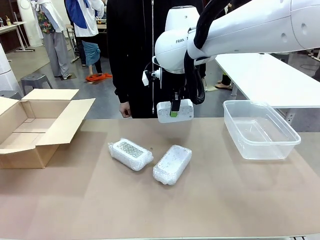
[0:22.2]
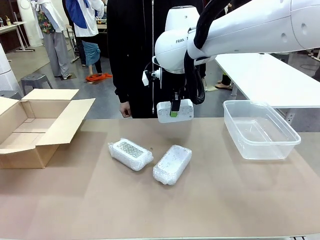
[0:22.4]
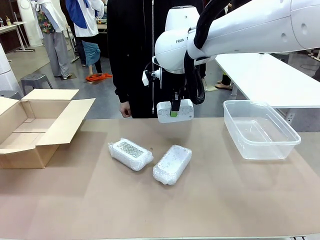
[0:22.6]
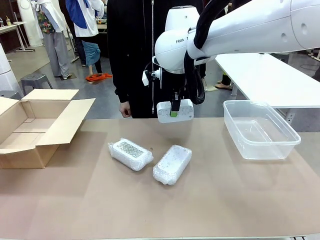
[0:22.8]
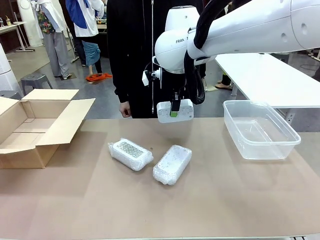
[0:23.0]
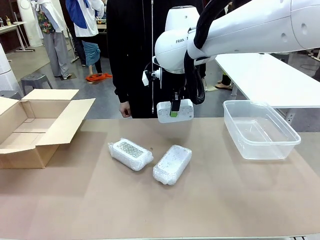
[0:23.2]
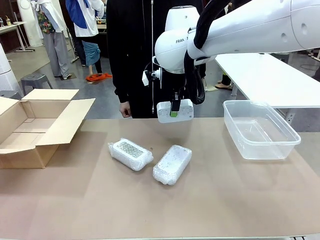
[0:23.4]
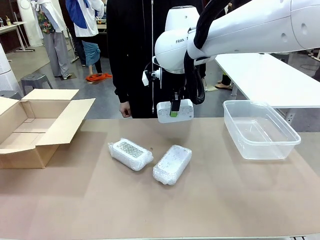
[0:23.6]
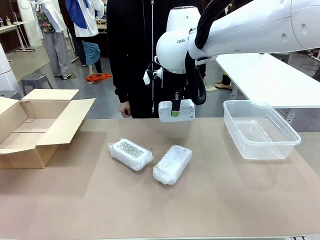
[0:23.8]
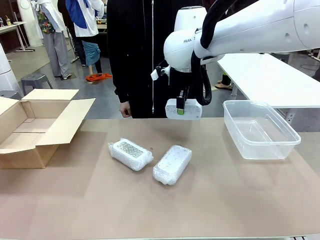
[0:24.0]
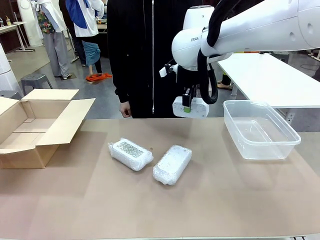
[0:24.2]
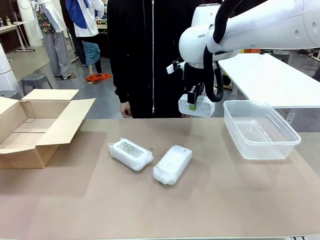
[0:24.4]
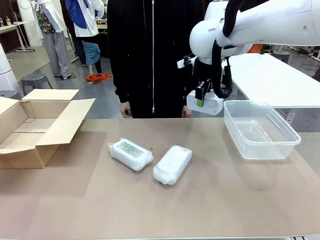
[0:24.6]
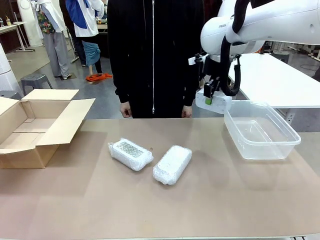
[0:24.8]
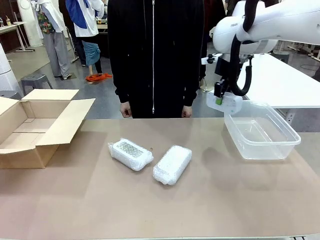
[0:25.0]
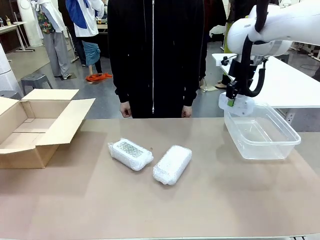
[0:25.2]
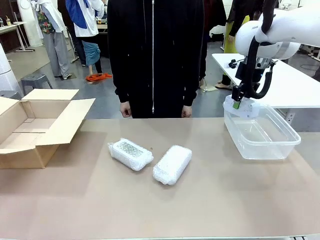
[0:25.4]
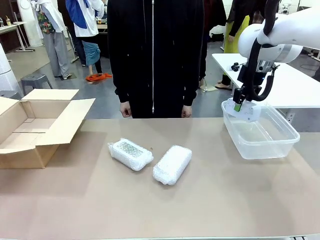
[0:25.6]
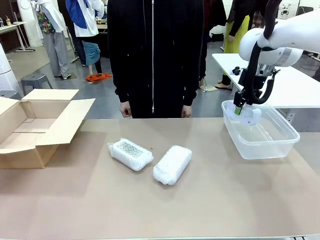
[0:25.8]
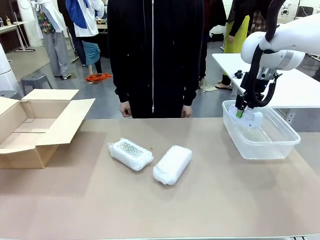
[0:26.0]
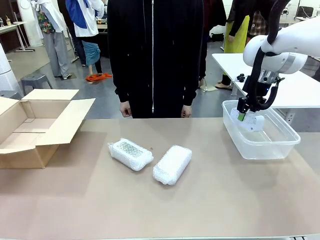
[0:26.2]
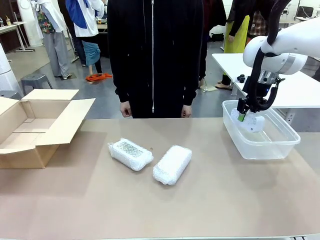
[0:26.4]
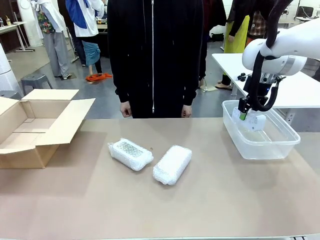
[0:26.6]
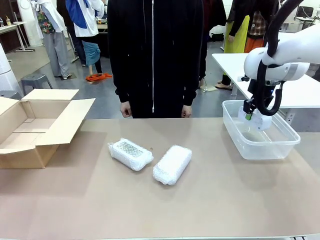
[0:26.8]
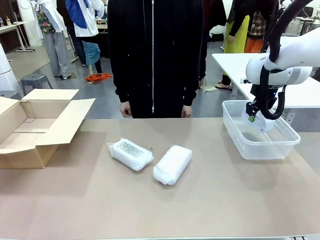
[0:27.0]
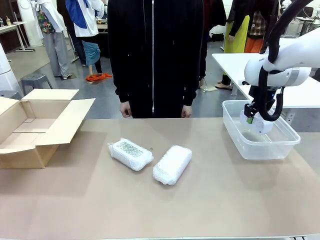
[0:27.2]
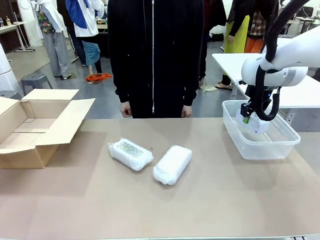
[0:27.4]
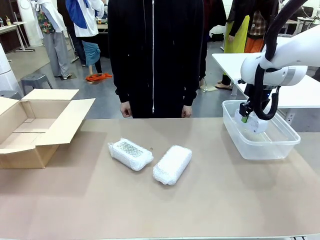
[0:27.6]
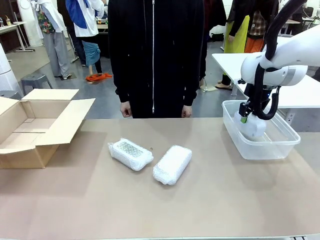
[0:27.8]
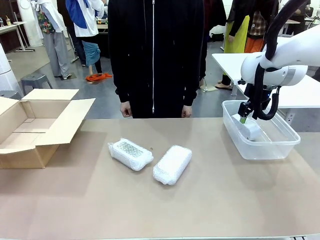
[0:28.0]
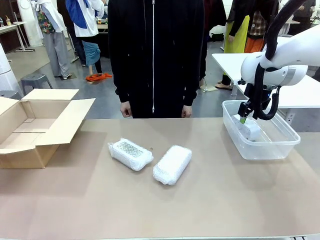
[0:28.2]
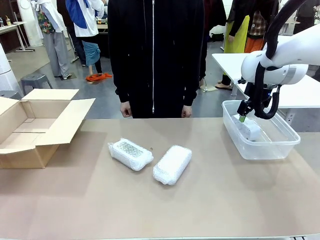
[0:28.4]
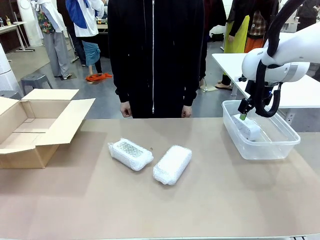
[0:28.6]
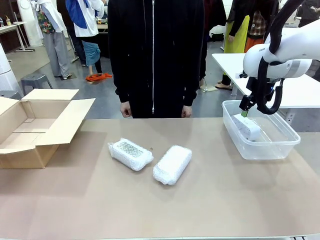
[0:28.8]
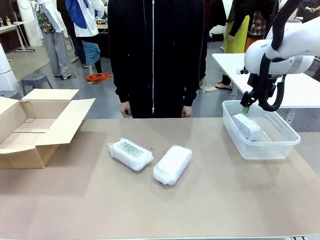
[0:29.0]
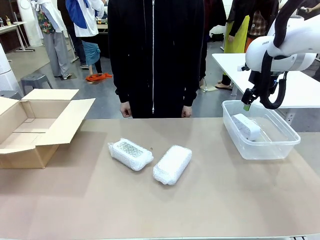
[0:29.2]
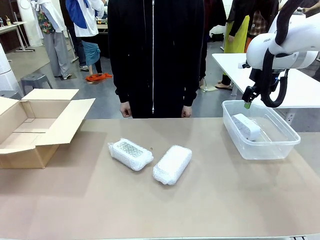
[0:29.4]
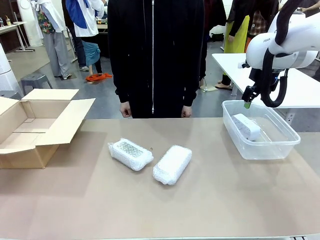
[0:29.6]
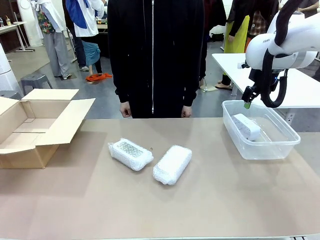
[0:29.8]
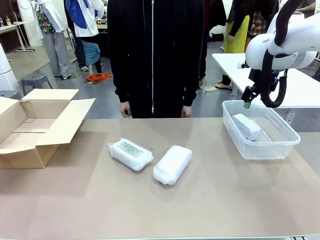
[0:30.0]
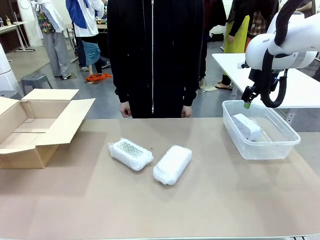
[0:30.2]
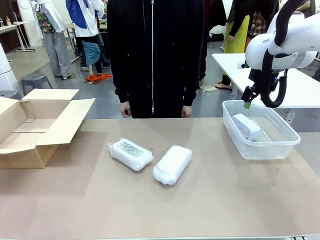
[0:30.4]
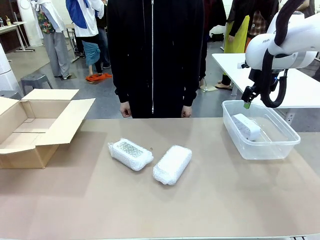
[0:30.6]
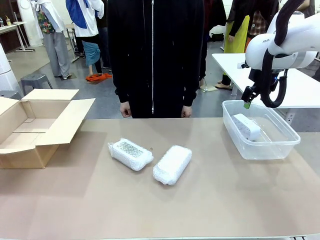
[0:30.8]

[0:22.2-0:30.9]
Task: Separate and place wrapped and unwrapped clocks.
Robot: If the picked Digital clock is wrapped, place it in the Package Box ; if not, place it in the Organizing box.

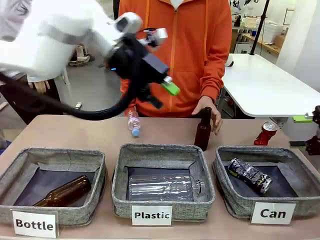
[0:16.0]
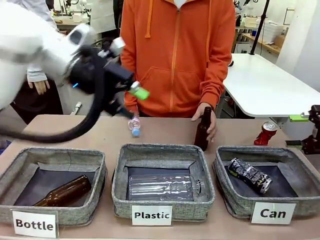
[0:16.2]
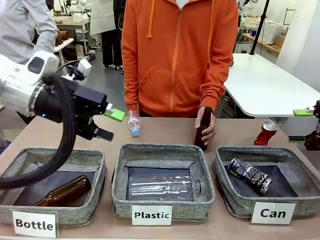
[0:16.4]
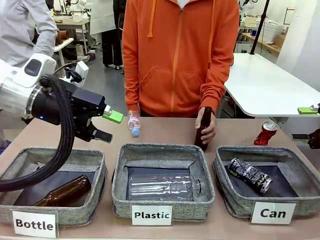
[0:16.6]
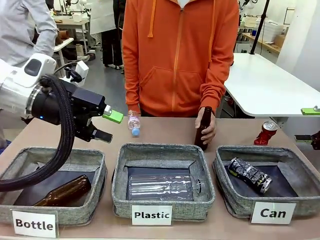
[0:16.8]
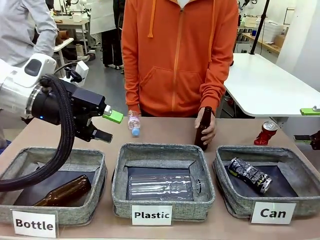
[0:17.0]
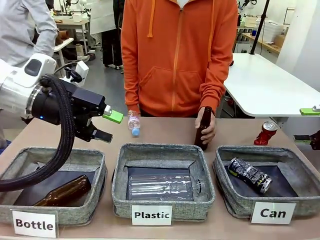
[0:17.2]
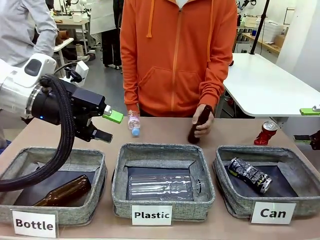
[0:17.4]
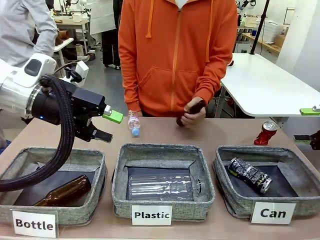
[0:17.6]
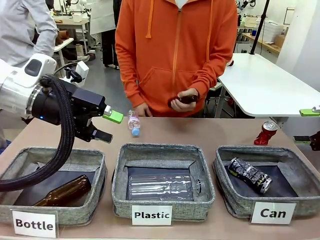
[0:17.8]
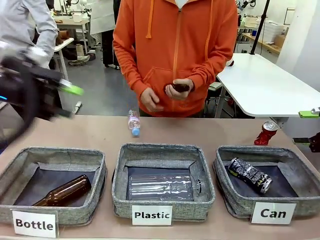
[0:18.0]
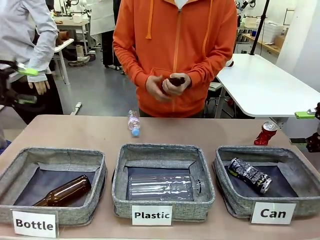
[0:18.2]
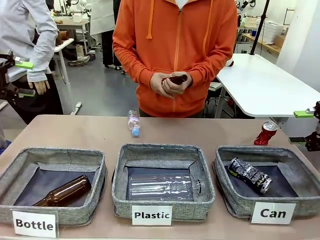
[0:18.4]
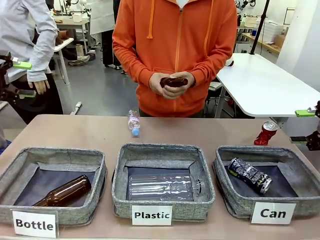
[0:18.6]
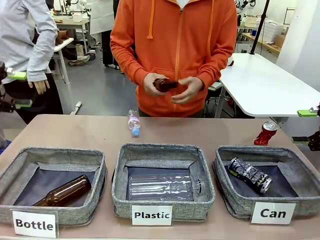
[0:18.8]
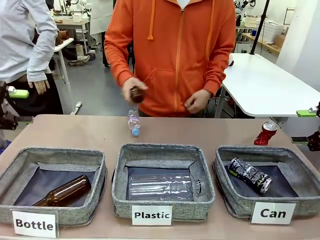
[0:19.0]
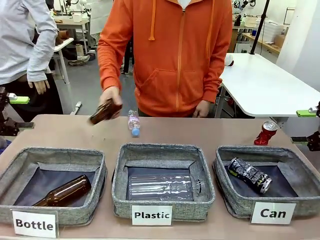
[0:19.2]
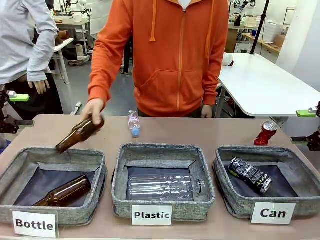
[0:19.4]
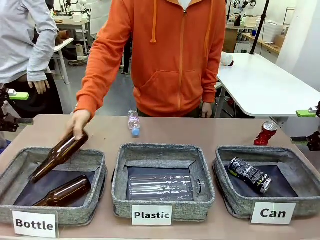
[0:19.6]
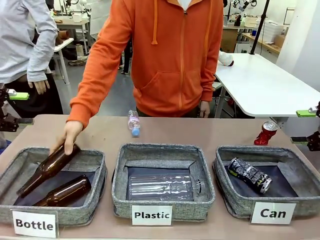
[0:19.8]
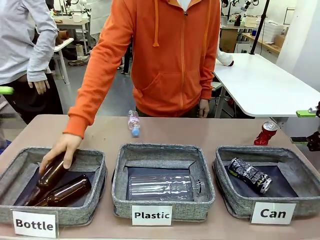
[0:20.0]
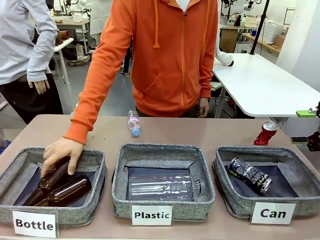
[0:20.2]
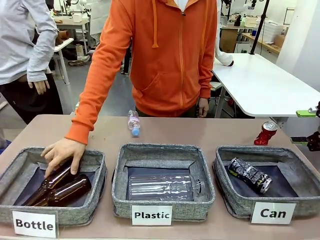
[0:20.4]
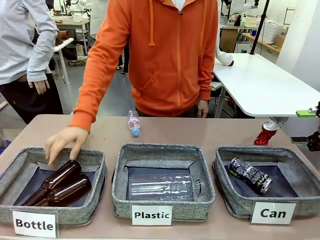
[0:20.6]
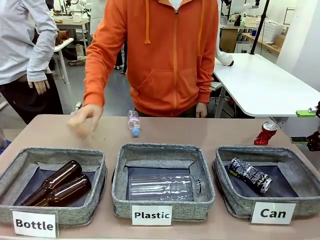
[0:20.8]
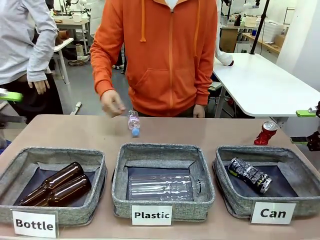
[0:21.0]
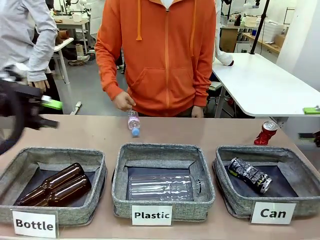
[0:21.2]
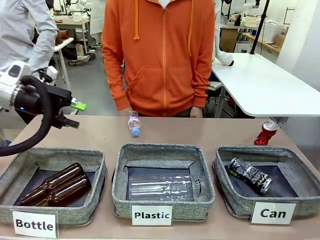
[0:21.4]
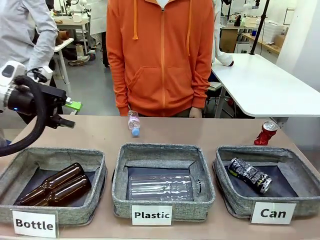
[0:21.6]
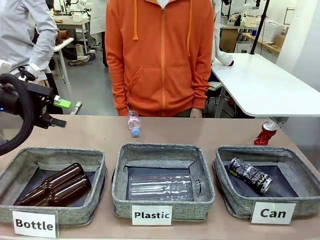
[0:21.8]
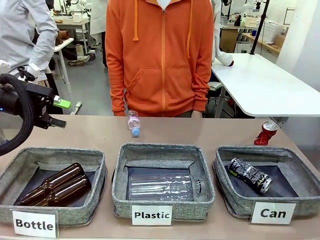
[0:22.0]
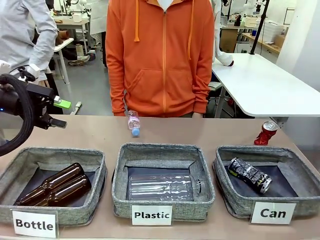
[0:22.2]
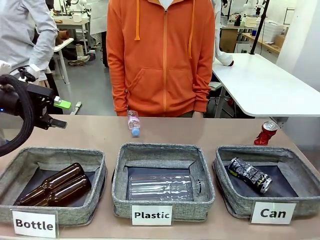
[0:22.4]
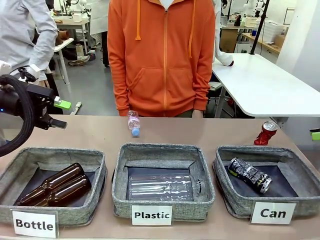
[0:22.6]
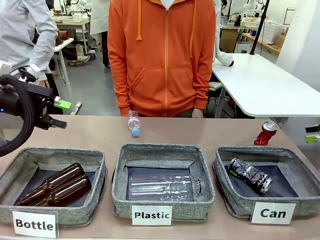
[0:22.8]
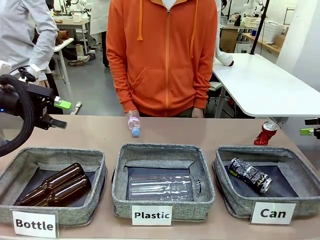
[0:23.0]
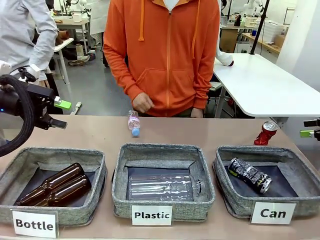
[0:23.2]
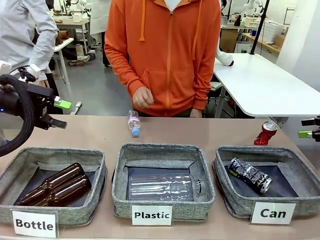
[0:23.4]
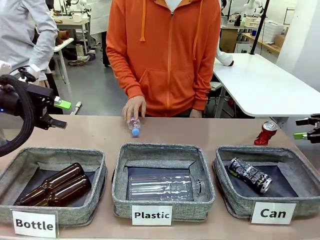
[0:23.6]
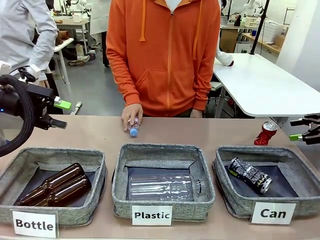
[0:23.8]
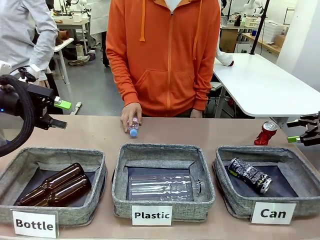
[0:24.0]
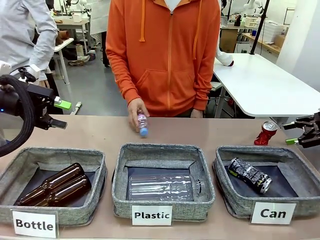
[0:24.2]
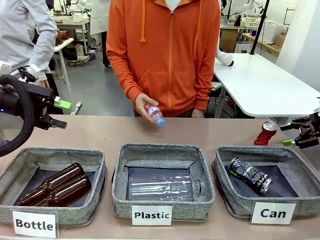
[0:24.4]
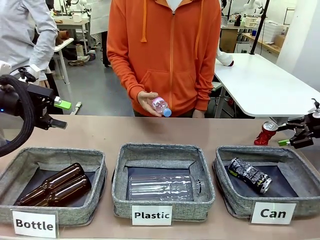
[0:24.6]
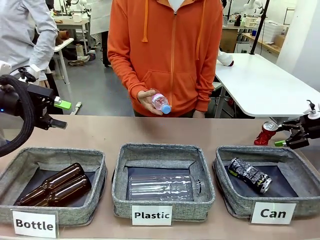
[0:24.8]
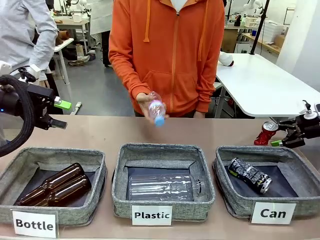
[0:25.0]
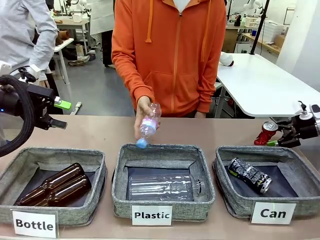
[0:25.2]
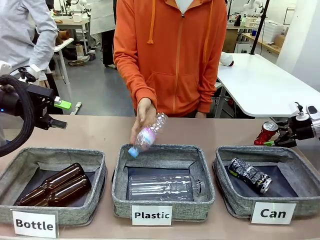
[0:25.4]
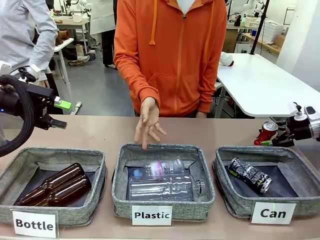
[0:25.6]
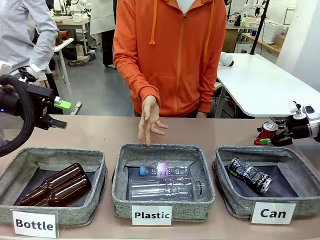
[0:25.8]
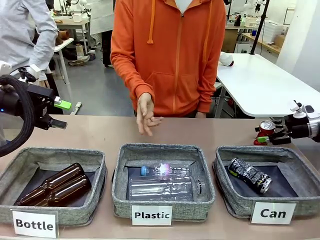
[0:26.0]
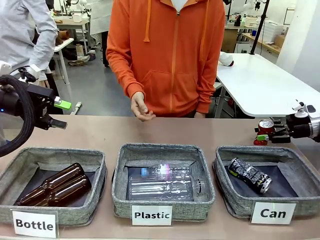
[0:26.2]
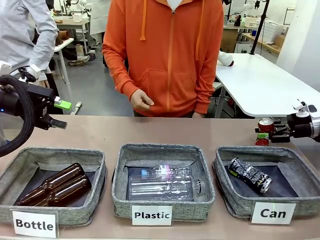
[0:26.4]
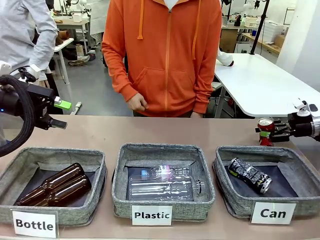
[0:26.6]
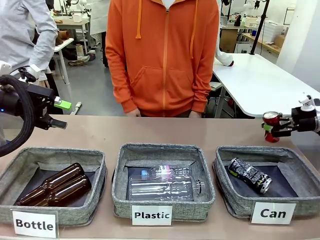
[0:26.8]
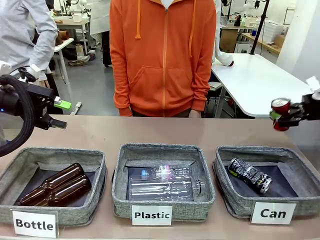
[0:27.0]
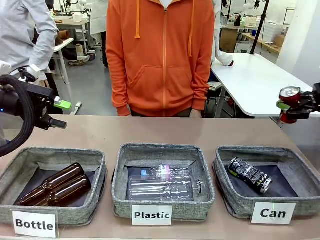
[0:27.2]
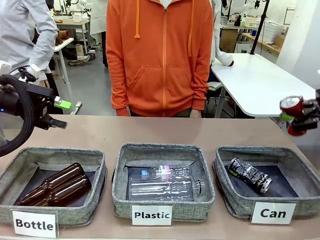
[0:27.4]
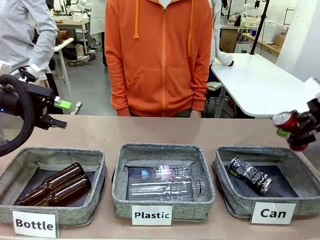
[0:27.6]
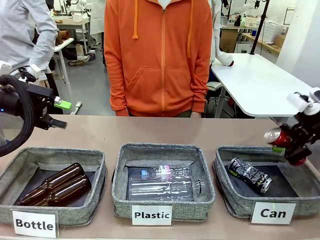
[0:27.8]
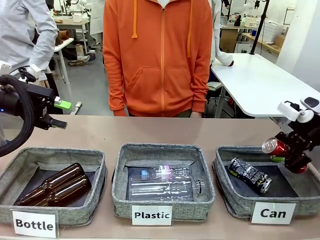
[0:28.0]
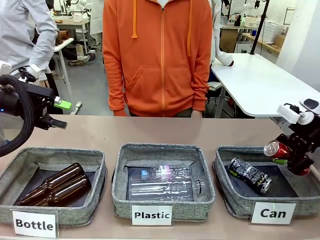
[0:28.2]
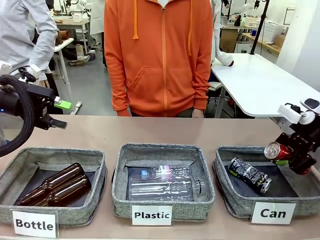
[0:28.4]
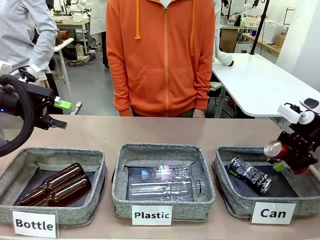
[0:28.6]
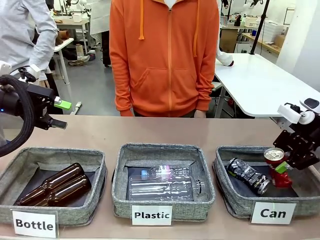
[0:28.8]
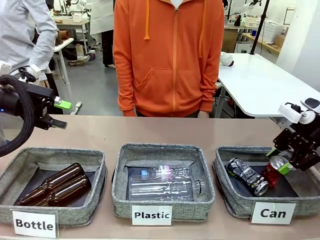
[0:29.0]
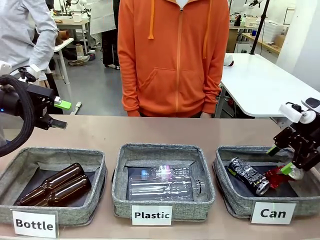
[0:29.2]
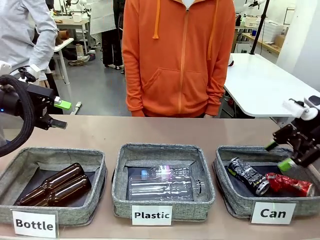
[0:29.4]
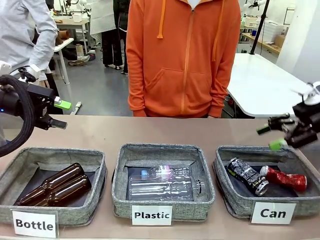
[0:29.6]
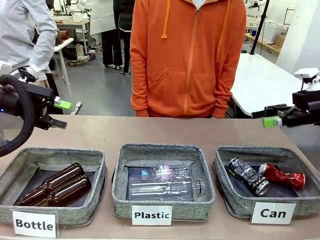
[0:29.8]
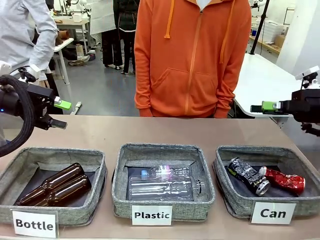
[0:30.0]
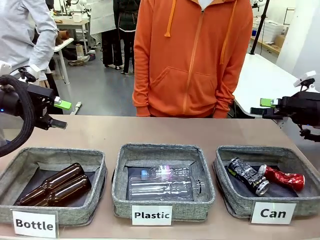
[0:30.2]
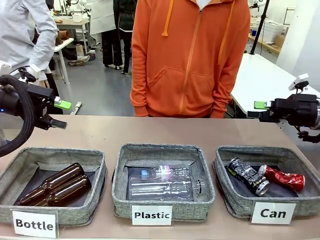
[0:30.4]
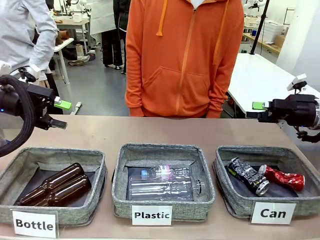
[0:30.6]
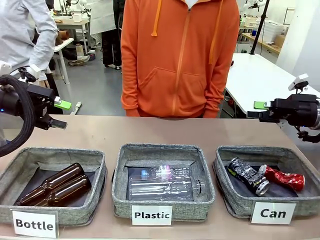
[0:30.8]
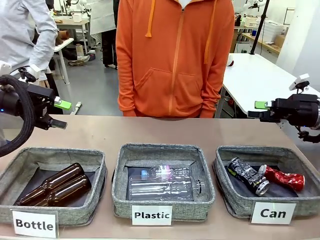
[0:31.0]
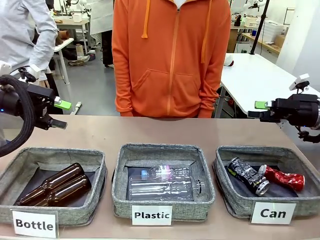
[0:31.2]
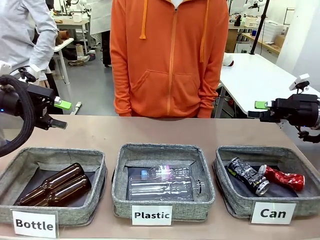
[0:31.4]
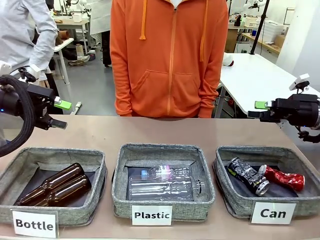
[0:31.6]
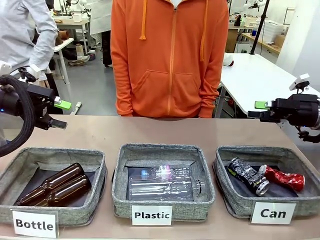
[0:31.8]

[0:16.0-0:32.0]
Task: Sort the can waste into the basket.
Robot: Pick up the can waste from the table and place it in the right Fabric basket.
